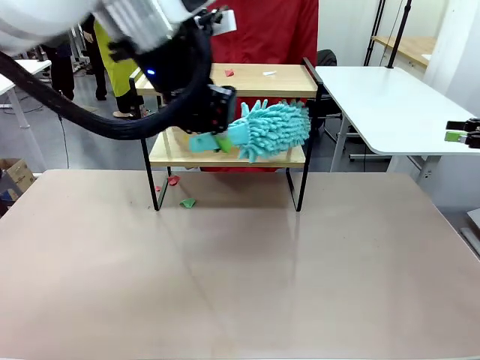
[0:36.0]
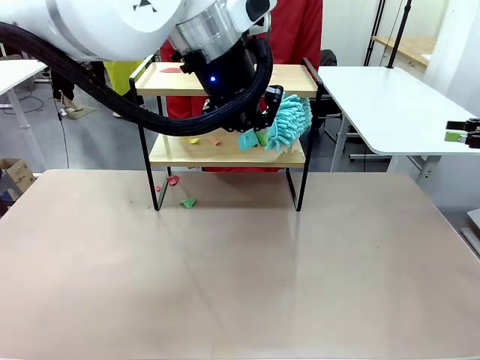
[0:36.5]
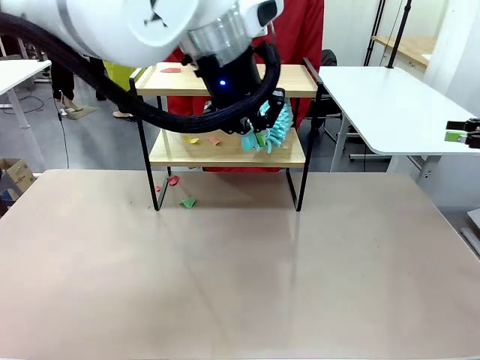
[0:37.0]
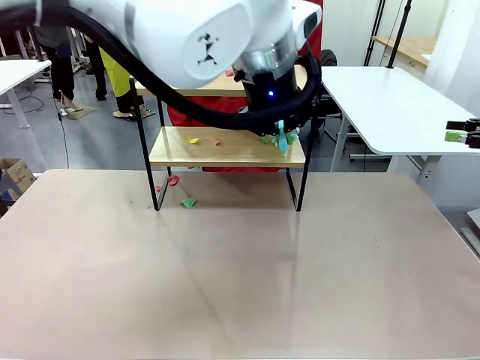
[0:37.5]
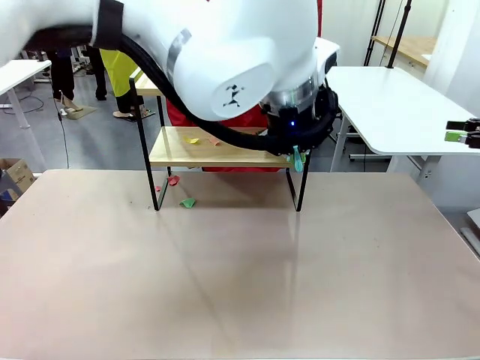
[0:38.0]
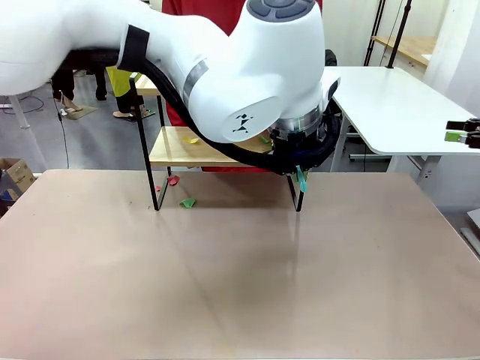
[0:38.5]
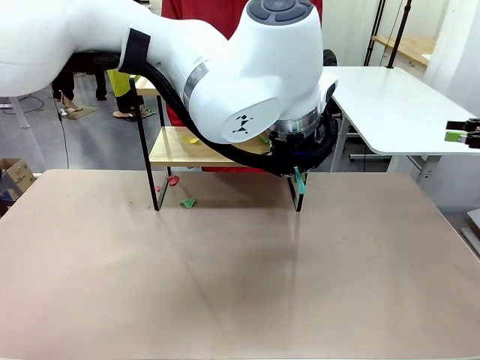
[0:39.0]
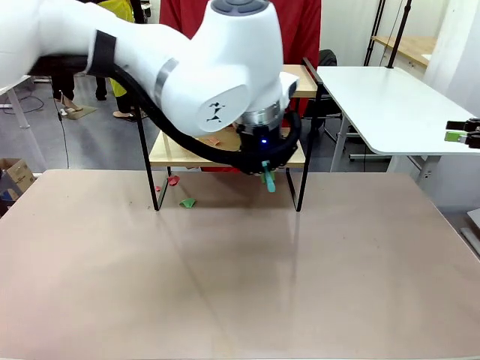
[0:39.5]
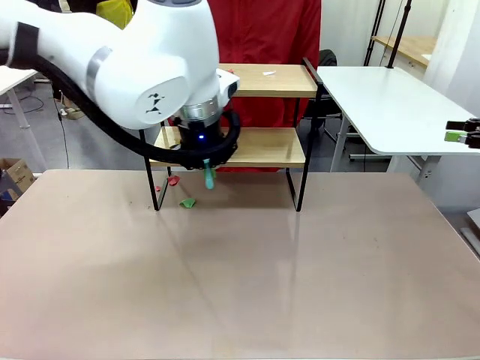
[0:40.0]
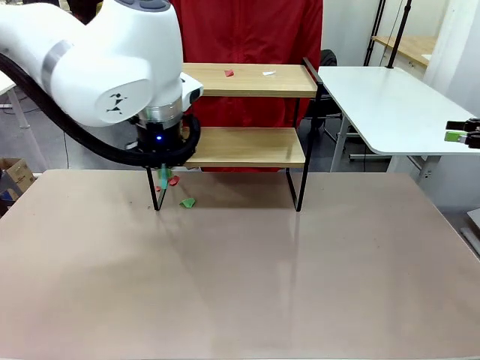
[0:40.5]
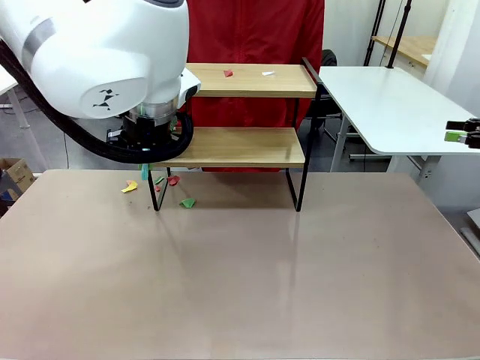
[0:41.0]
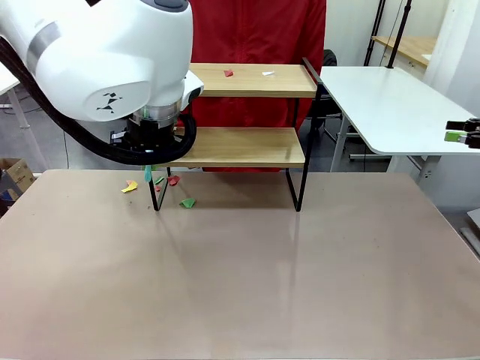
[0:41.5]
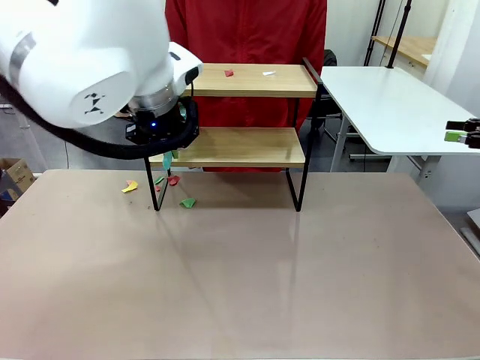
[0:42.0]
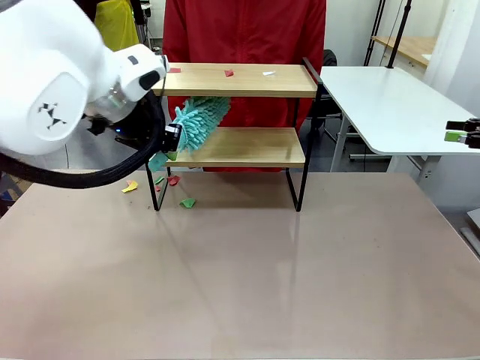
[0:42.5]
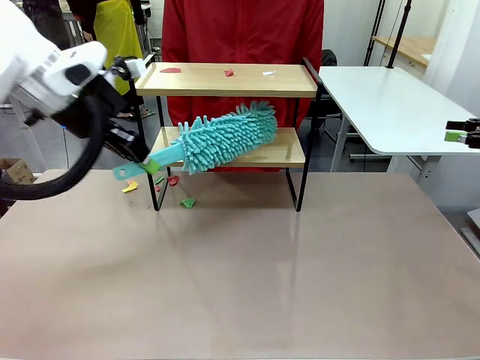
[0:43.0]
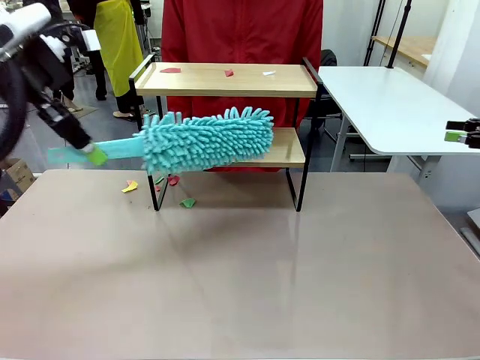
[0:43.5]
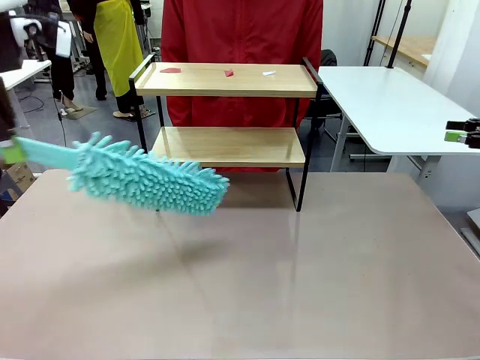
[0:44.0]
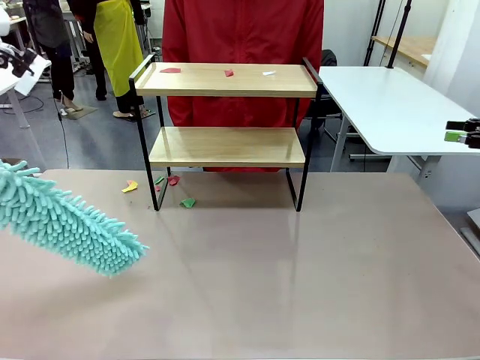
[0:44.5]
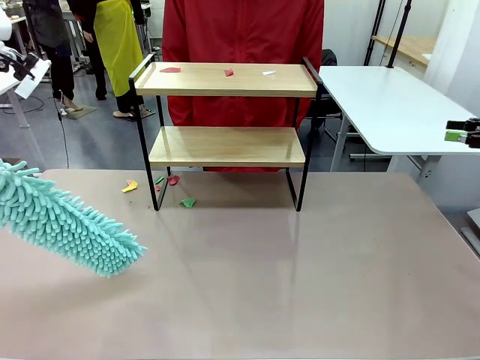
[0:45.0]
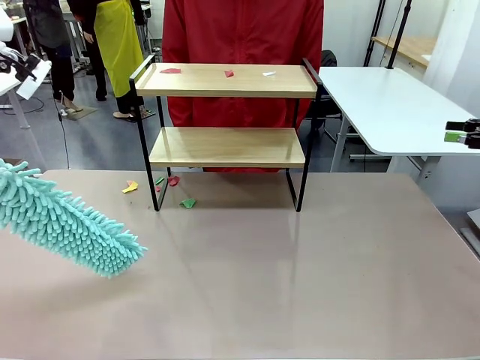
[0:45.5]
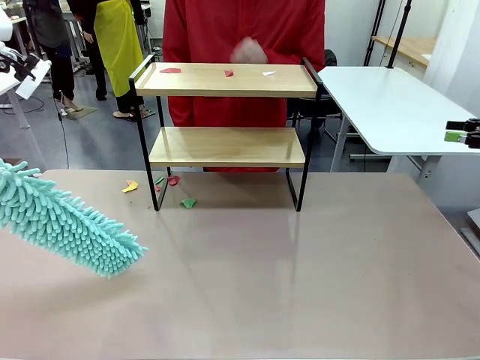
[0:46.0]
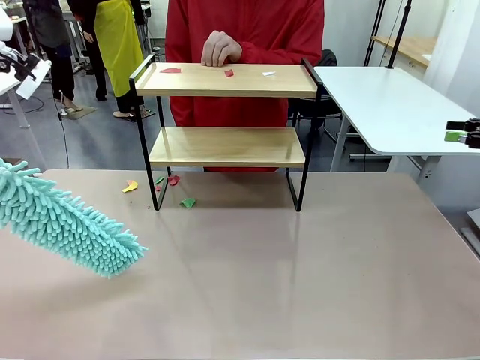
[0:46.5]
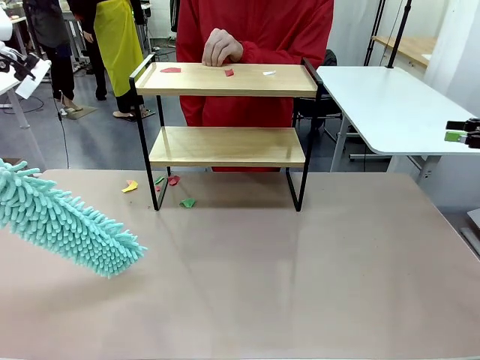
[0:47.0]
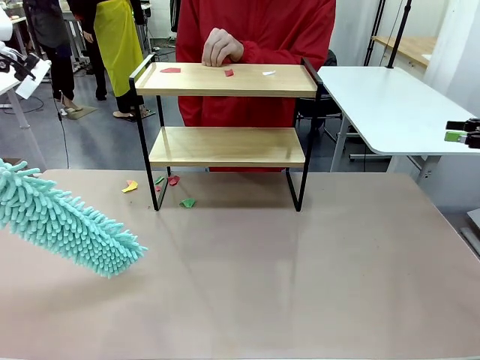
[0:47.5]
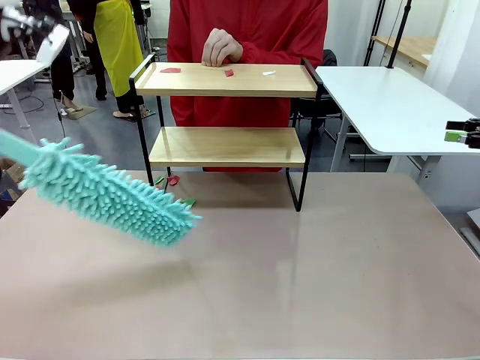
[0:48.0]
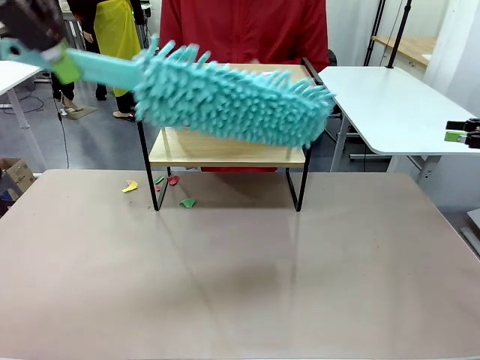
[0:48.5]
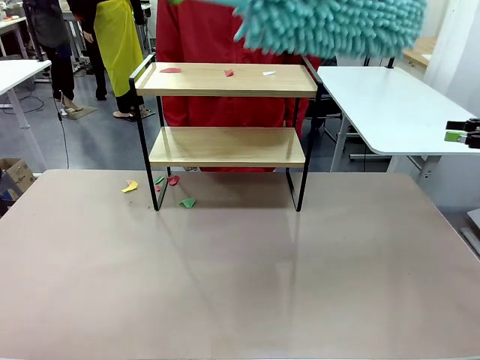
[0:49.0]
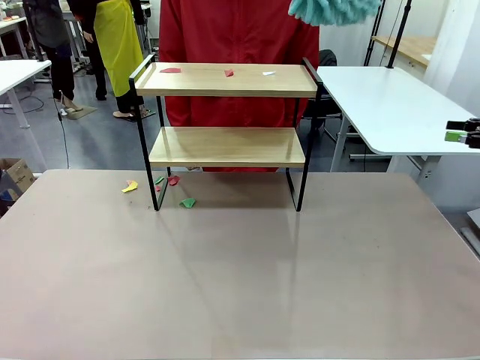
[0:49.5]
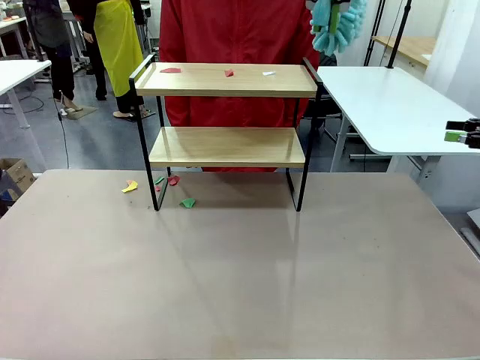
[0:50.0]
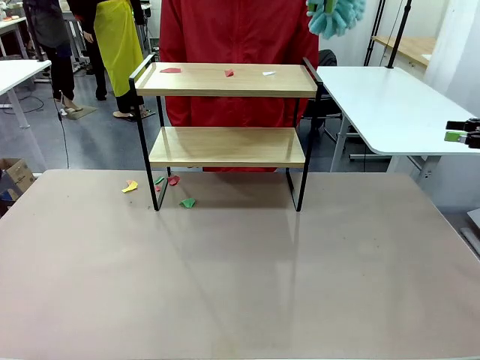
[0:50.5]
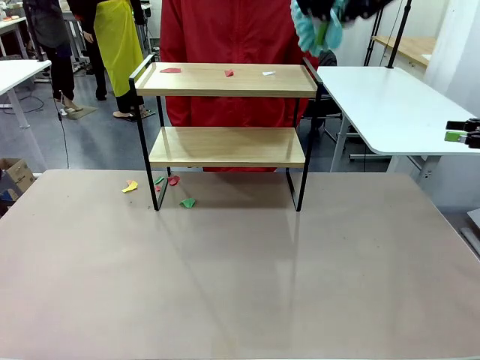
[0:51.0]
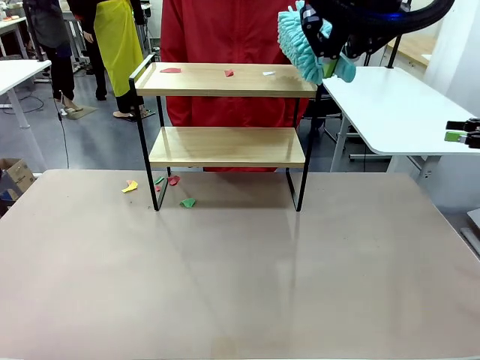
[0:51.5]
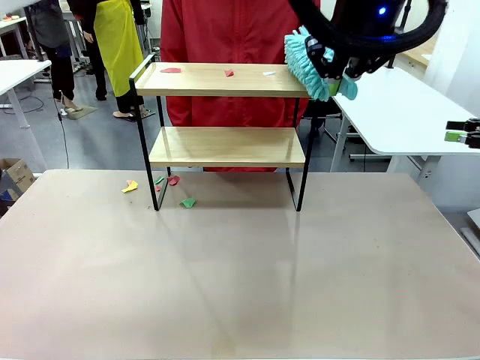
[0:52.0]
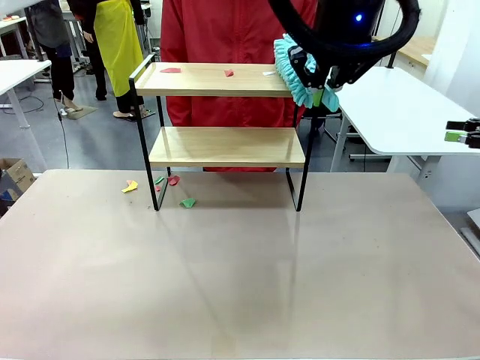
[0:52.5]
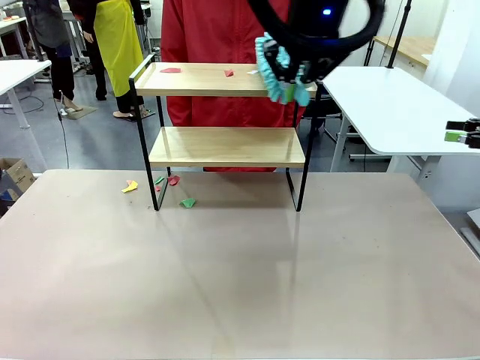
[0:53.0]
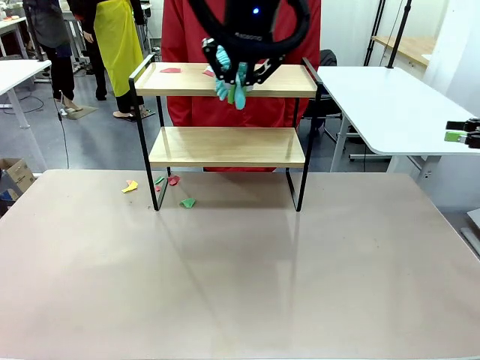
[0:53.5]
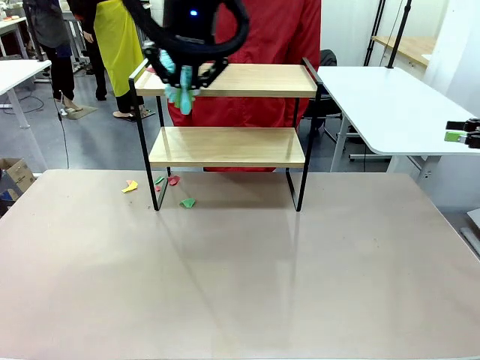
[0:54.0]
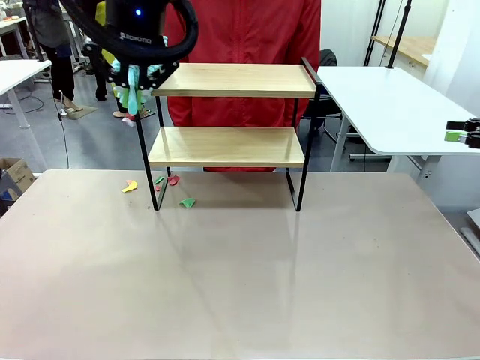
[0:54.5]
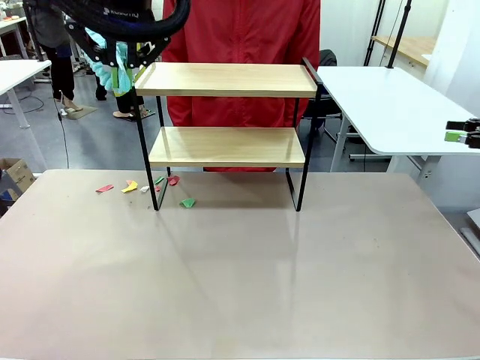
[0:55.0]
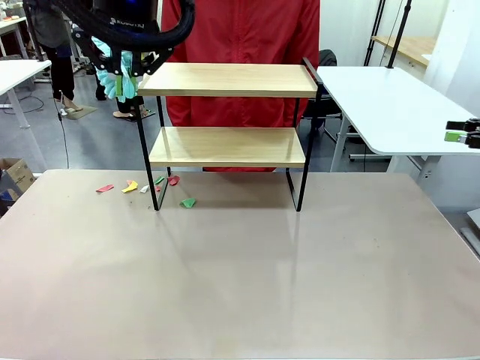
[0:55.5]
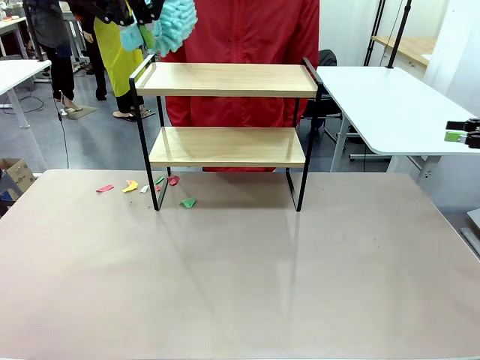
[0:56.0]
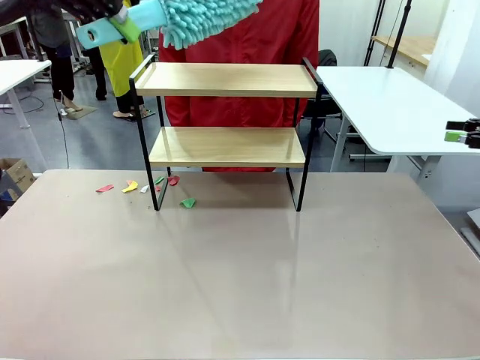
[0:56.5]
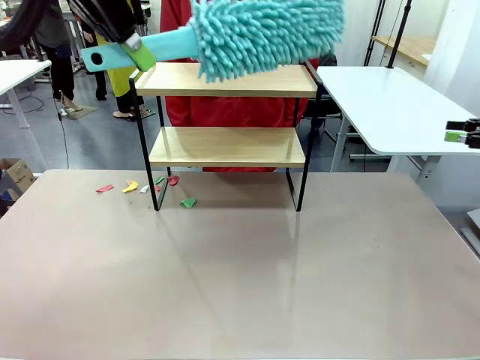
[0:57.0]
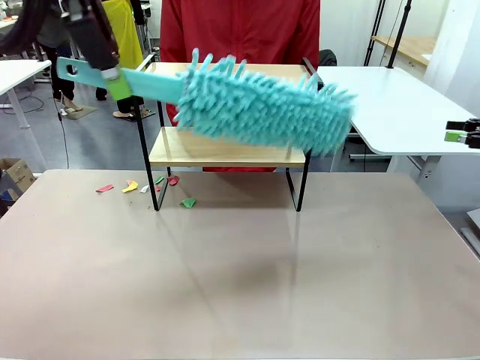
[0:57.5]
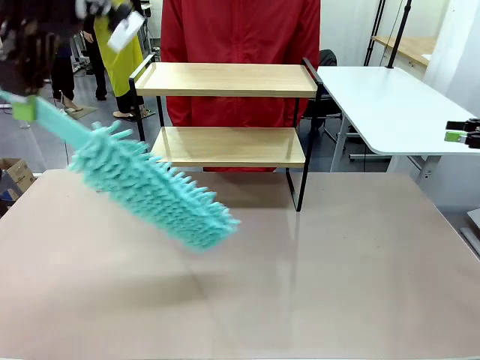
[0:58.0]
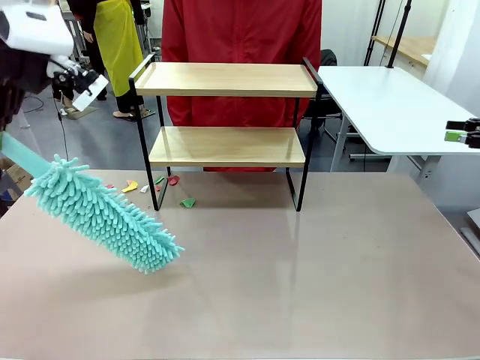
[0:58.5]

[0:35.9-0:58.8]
Task: Clean the shelf.
Robot: Clean the specific section of the Shelf indicated by the human with the Duster.
Person: Point a remaining section of the Shelf.
